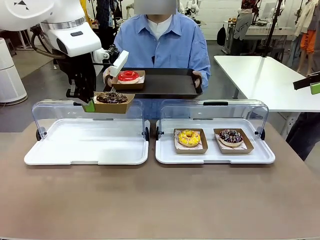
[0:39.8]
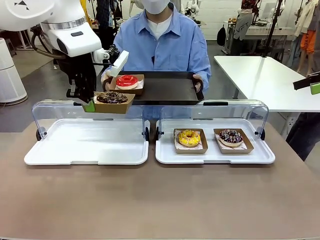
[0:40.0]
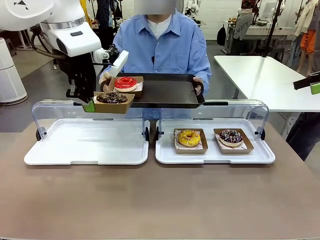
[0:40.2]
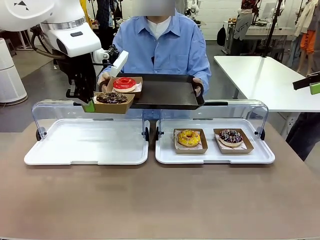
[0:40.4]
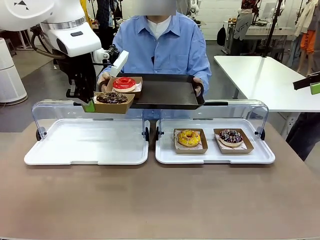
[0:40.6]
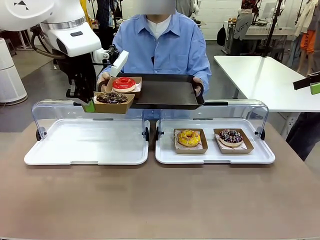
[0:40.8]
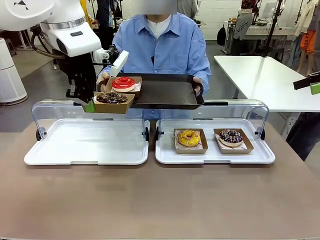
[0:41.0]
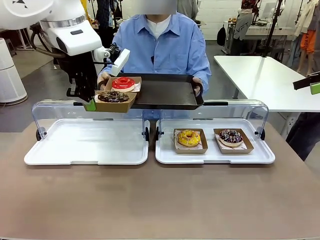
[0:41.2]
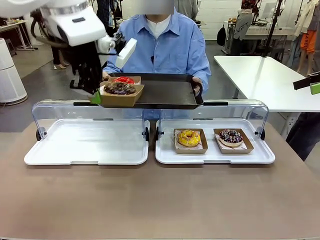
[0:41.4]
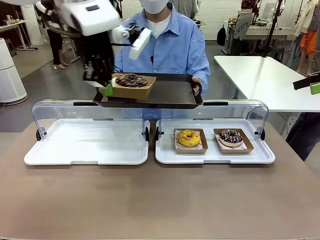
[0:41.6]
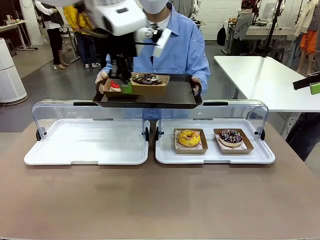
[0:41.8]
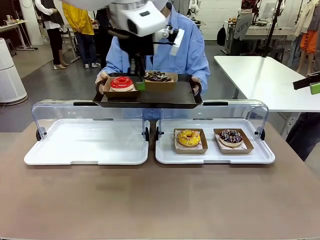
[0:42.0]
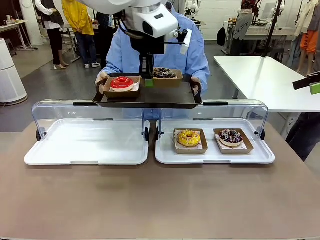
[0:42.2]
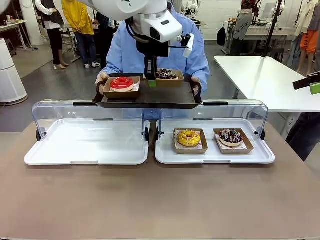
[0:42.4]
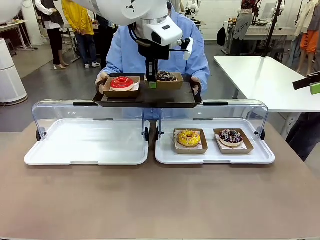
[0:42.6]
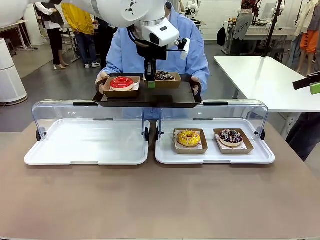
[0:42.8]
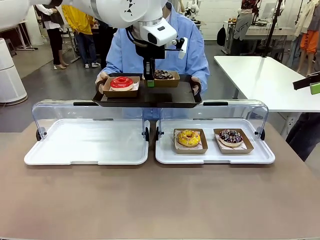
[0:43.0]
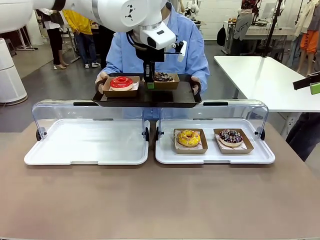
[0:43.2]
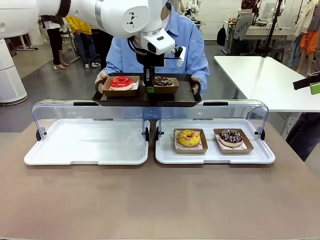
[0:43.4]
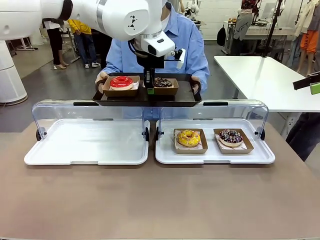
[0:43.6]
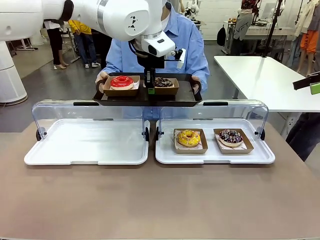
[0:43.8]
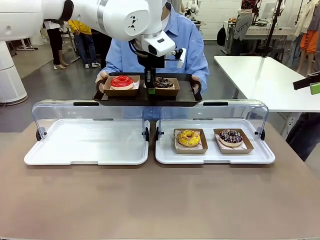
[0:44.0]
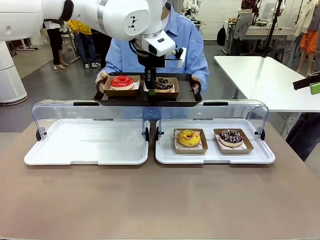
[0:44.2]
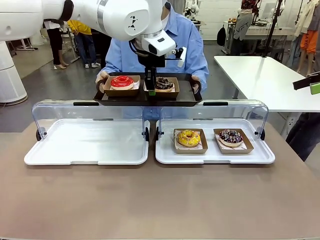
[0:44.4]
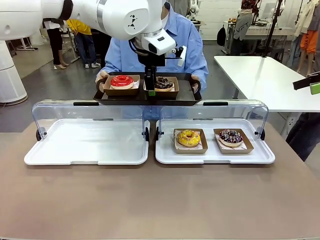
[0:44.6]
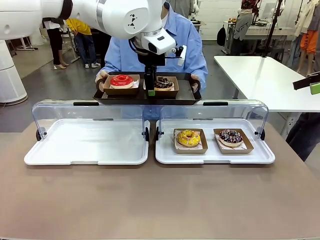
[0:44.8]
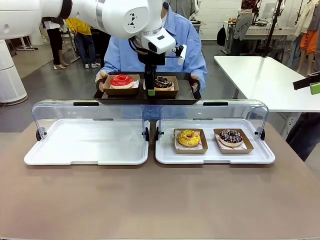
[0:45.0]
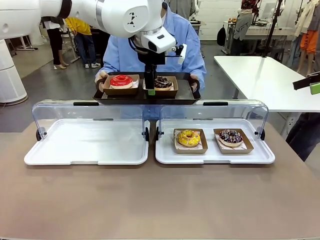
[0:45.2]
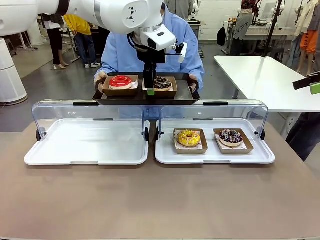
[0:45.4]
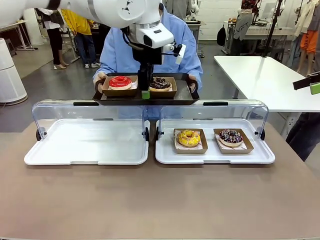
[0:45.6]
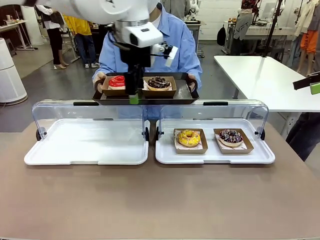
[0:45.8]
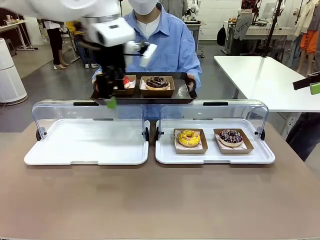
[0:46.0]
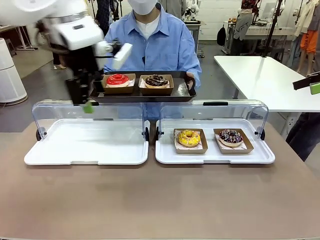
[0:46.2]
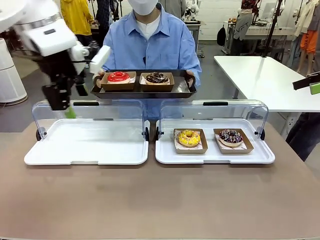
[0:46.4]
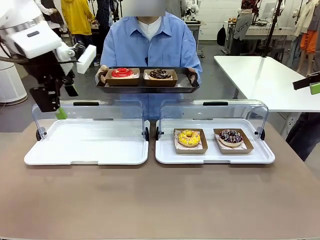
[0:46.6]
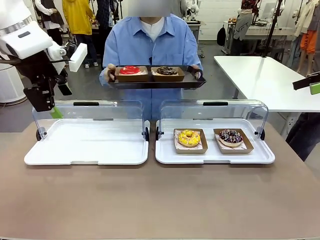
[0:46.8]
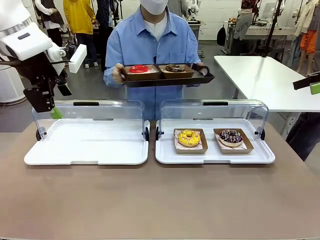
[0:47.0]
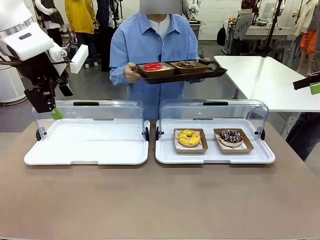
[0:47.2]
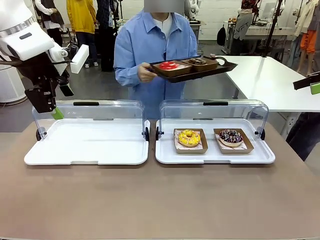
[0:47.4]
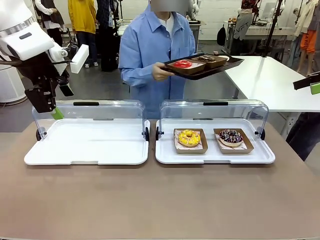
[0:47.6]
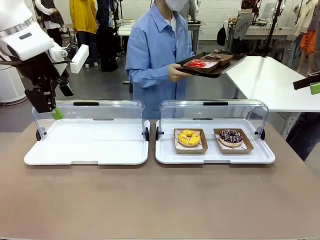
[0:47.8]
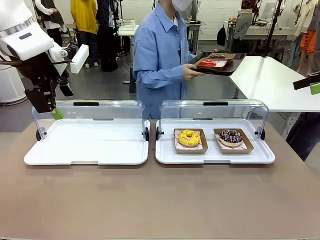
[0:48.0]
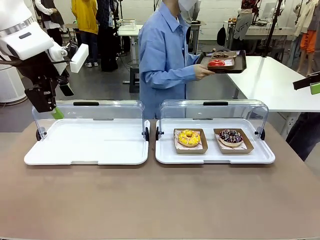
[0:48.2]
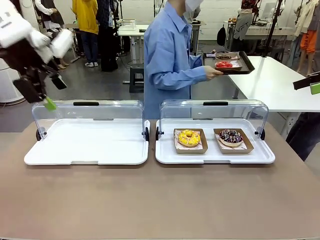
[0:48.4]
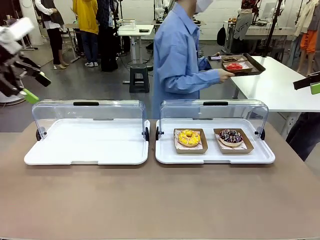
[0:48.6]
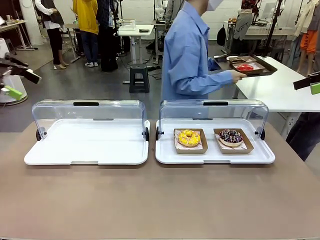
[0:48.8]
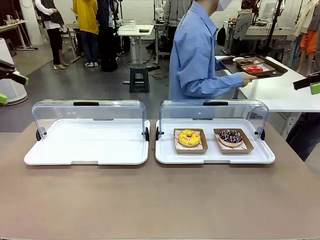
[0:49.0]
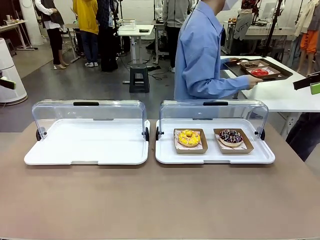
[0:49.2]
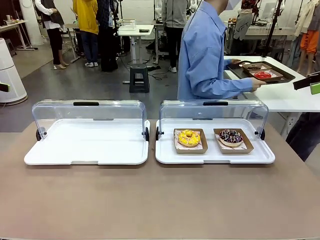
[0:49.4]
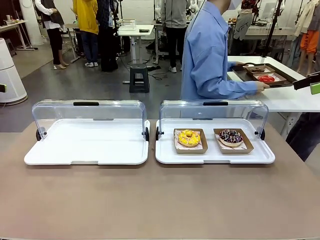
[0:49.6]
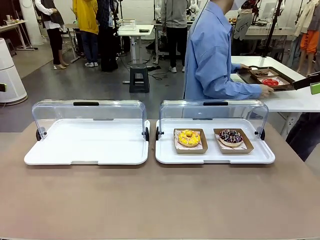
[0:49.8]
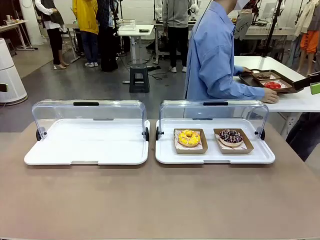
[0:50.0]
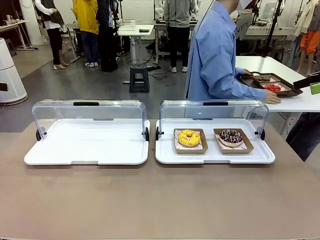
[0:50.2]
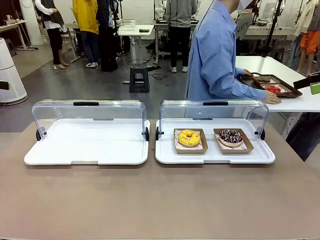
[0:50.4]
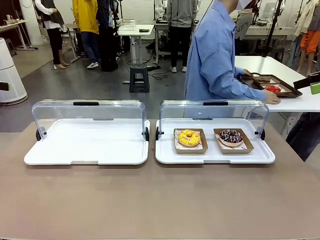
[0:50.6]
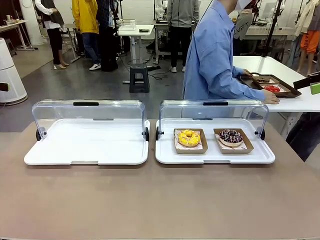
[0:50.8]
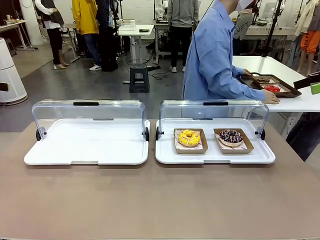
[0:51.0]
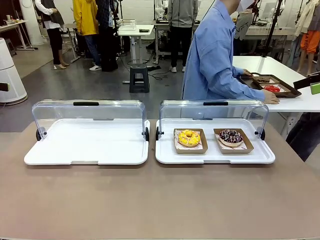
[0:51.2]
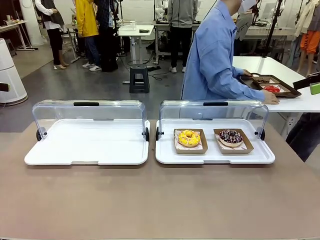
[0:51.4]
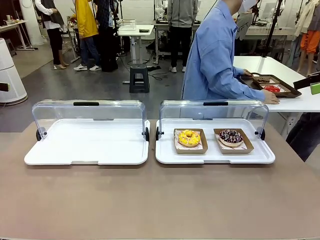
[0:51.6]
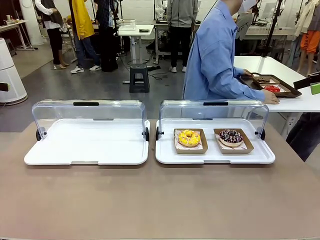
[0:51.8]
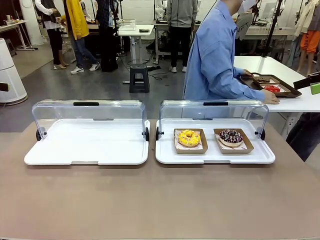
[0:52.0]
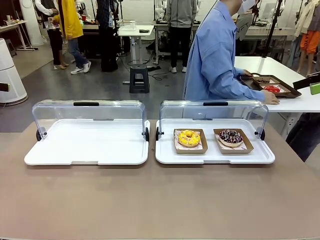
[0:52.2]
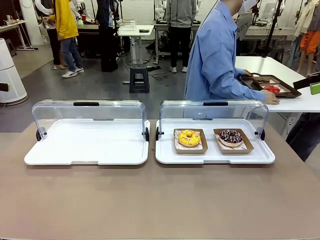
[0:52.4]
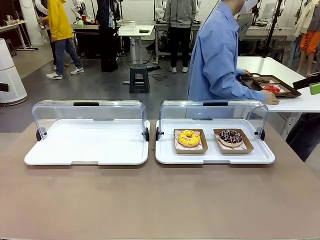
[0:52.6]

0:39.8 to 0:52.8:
Task: Provide the desired donut to the person.
Robot: Place the picked Paper togo box onto the Handle tray extended by the person.
Person: Place the tray in the middle of the human table.
